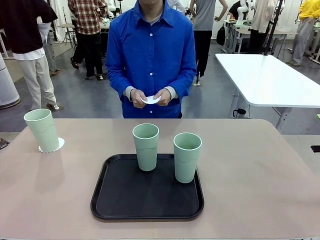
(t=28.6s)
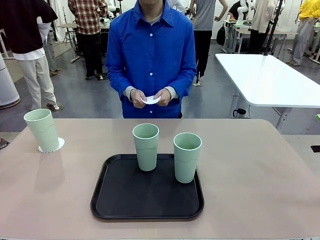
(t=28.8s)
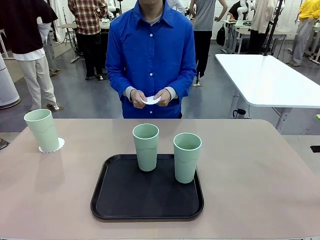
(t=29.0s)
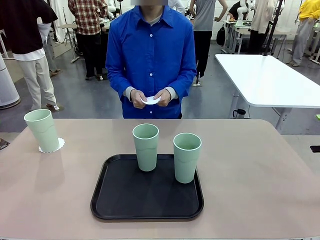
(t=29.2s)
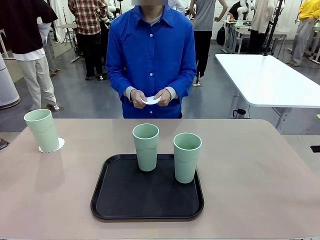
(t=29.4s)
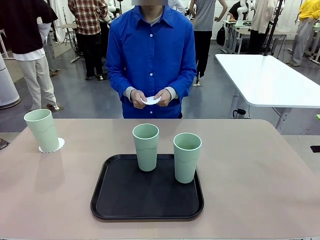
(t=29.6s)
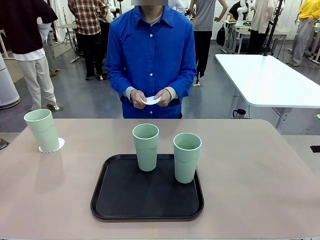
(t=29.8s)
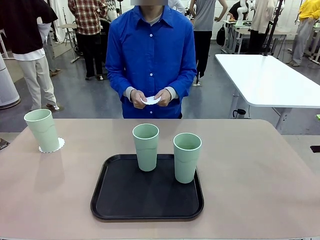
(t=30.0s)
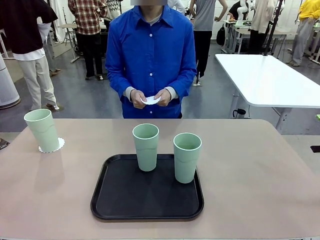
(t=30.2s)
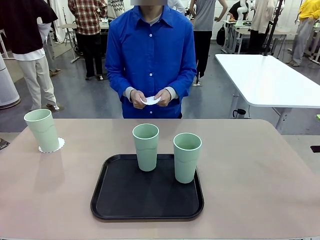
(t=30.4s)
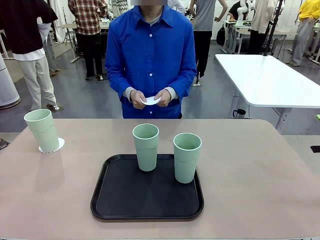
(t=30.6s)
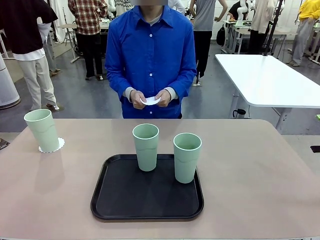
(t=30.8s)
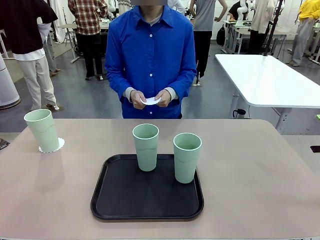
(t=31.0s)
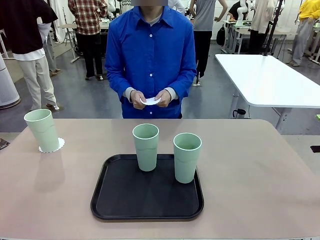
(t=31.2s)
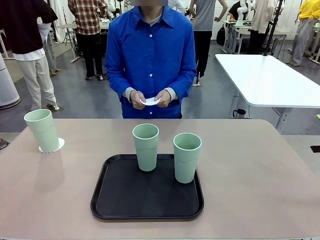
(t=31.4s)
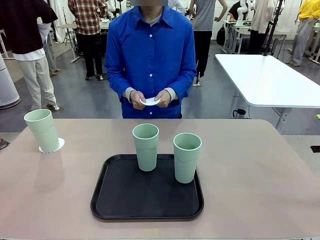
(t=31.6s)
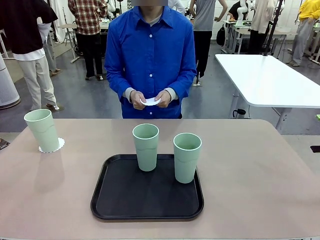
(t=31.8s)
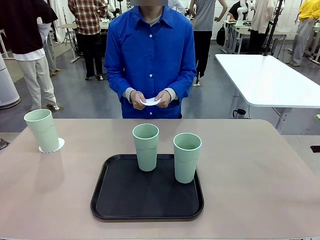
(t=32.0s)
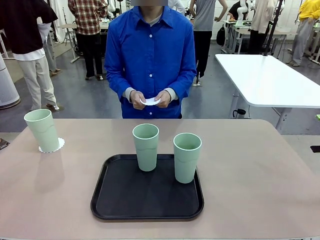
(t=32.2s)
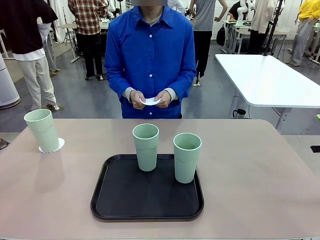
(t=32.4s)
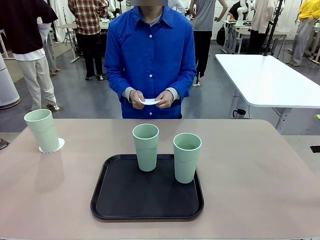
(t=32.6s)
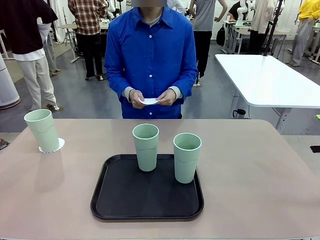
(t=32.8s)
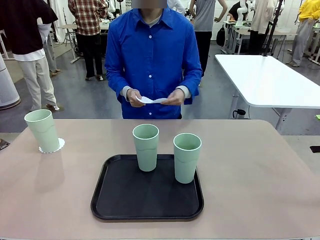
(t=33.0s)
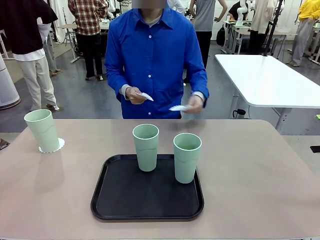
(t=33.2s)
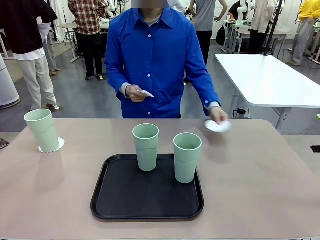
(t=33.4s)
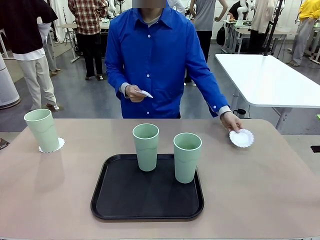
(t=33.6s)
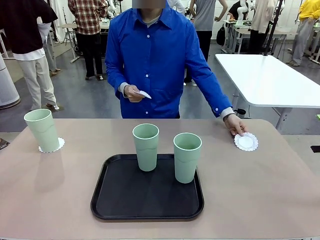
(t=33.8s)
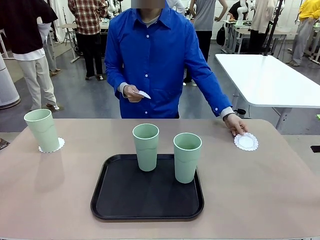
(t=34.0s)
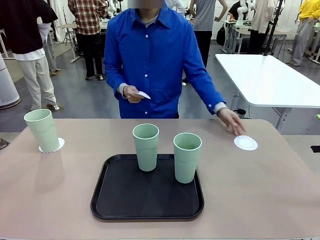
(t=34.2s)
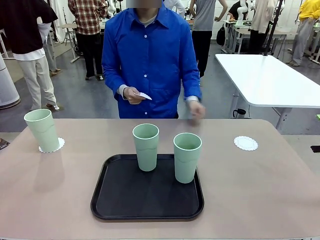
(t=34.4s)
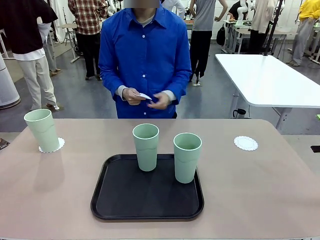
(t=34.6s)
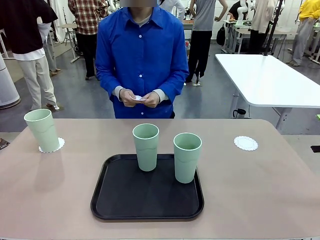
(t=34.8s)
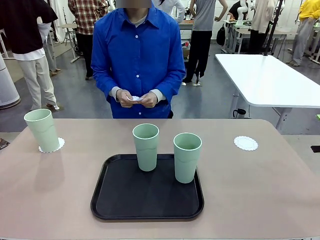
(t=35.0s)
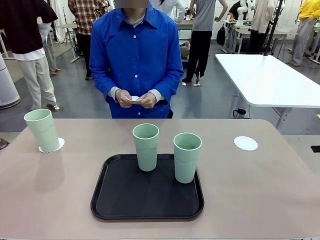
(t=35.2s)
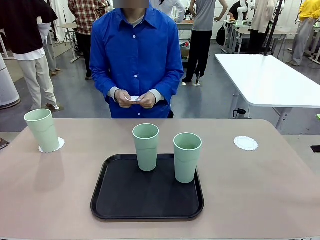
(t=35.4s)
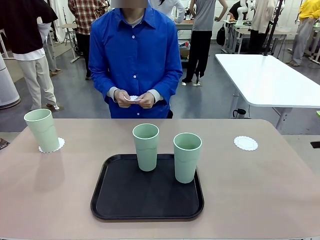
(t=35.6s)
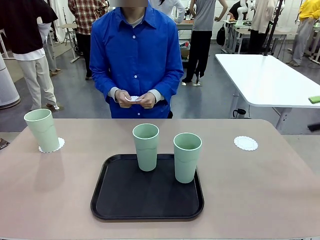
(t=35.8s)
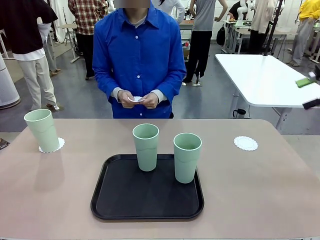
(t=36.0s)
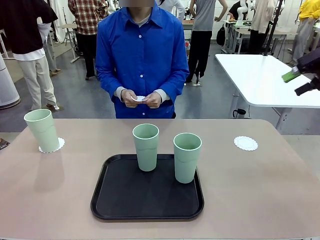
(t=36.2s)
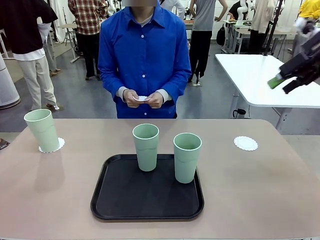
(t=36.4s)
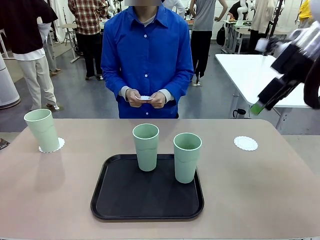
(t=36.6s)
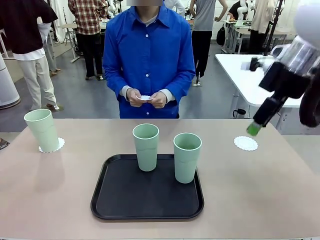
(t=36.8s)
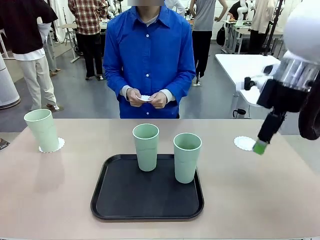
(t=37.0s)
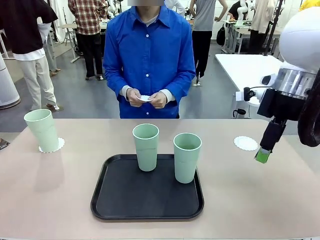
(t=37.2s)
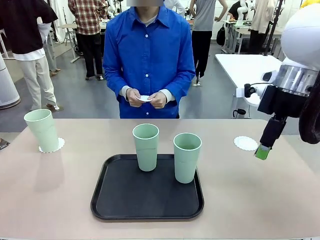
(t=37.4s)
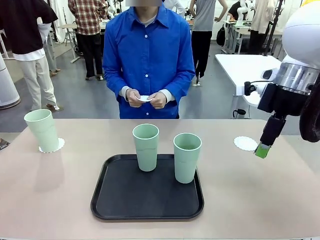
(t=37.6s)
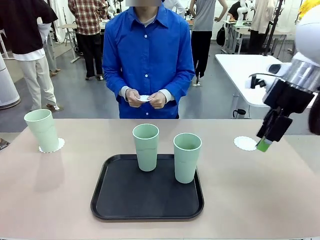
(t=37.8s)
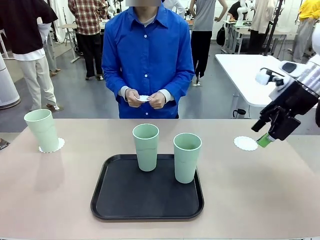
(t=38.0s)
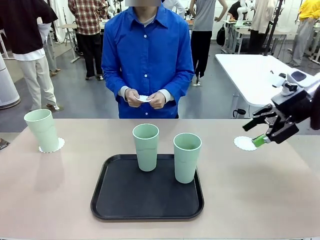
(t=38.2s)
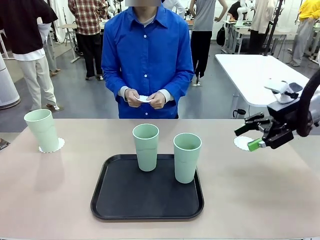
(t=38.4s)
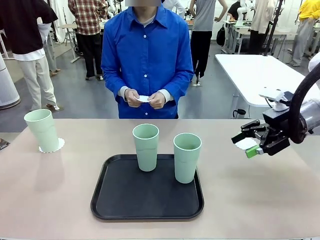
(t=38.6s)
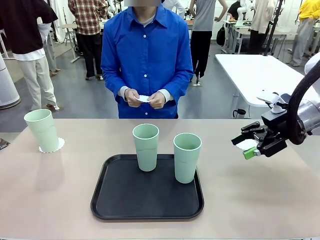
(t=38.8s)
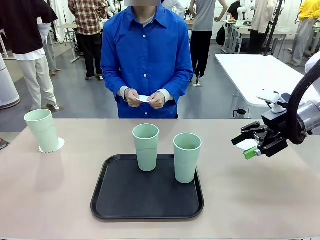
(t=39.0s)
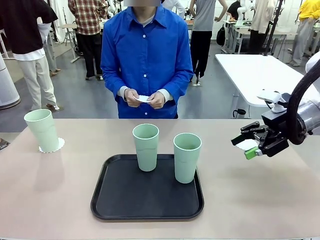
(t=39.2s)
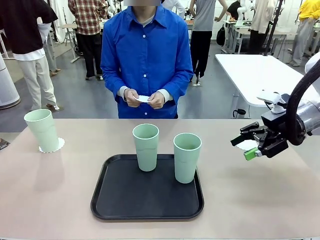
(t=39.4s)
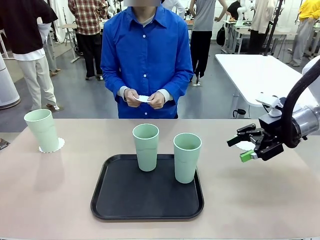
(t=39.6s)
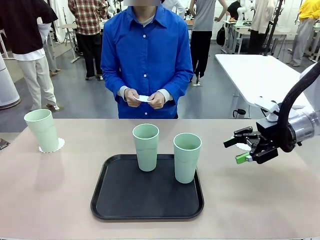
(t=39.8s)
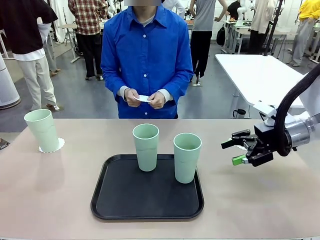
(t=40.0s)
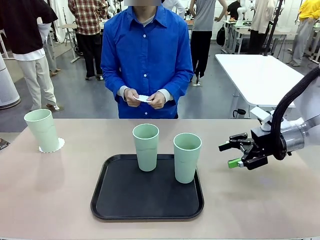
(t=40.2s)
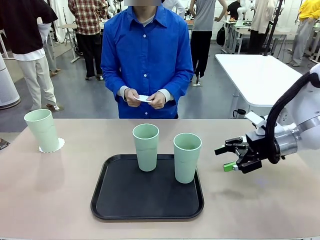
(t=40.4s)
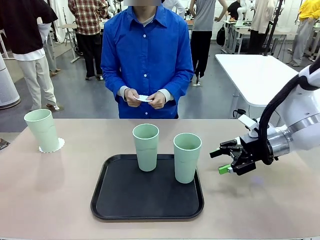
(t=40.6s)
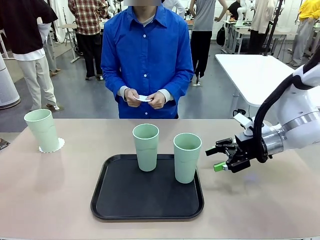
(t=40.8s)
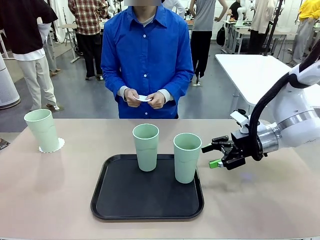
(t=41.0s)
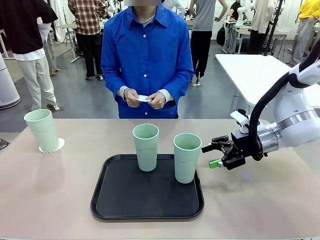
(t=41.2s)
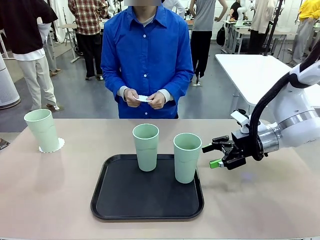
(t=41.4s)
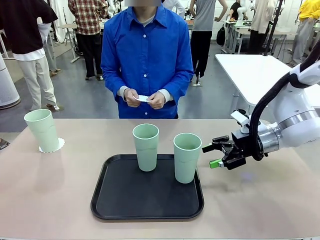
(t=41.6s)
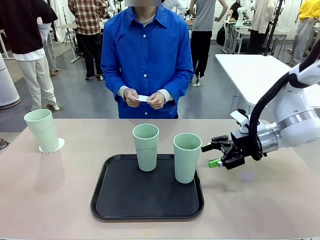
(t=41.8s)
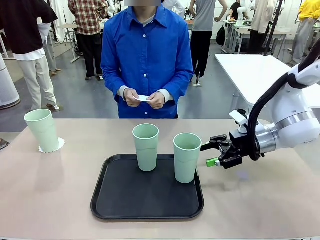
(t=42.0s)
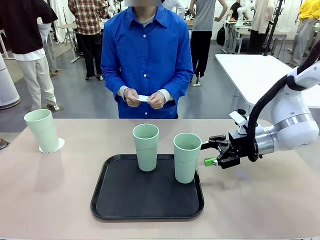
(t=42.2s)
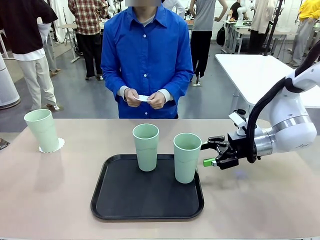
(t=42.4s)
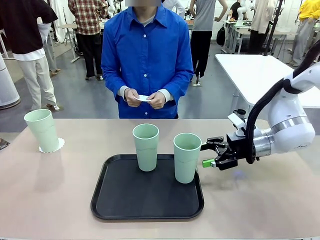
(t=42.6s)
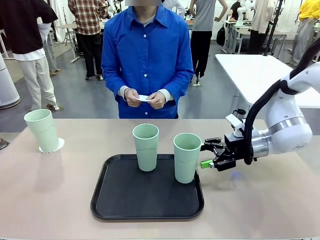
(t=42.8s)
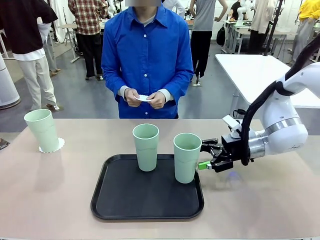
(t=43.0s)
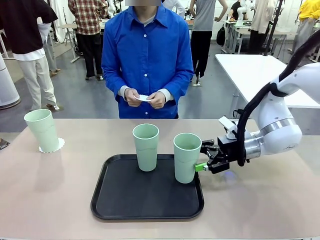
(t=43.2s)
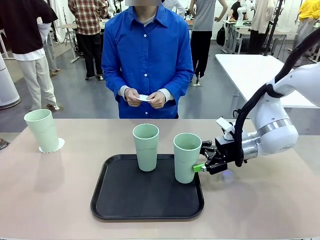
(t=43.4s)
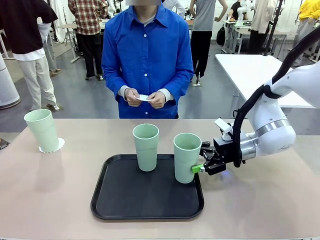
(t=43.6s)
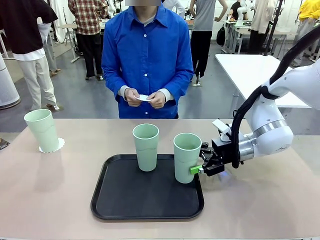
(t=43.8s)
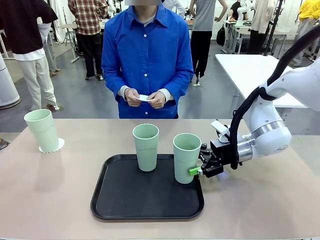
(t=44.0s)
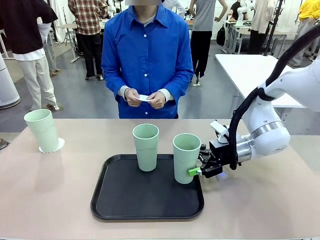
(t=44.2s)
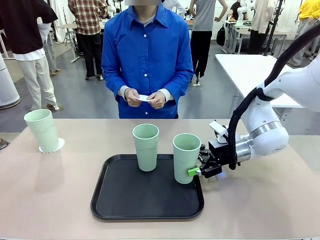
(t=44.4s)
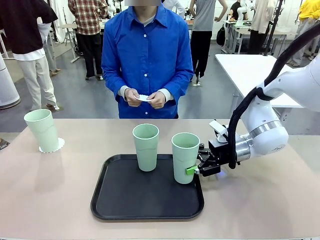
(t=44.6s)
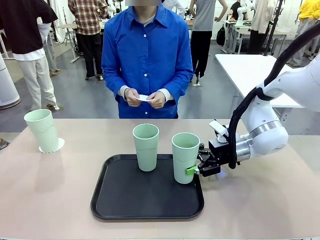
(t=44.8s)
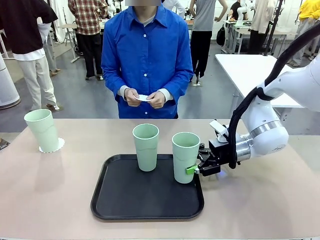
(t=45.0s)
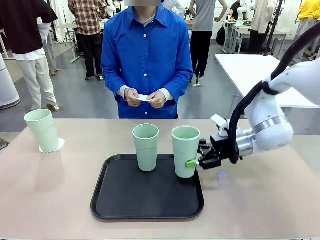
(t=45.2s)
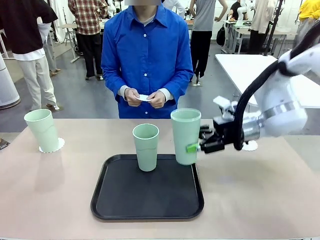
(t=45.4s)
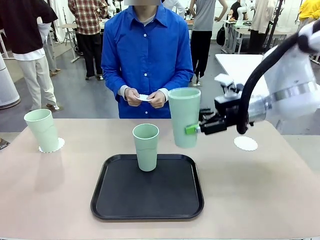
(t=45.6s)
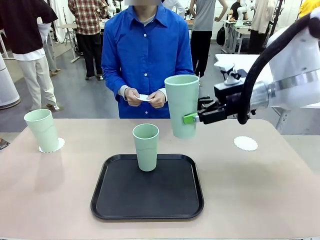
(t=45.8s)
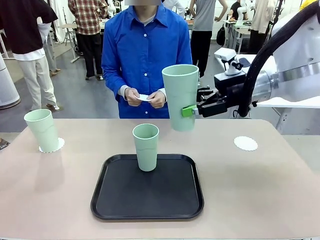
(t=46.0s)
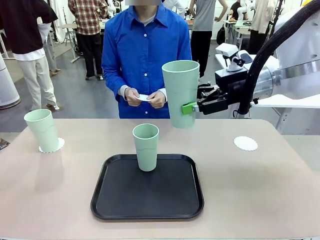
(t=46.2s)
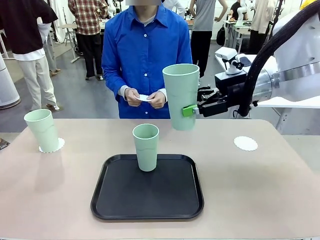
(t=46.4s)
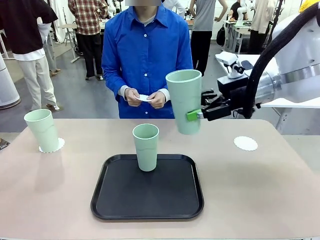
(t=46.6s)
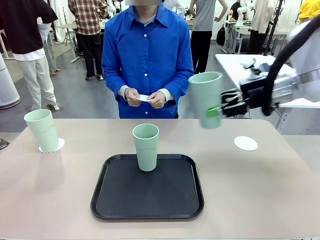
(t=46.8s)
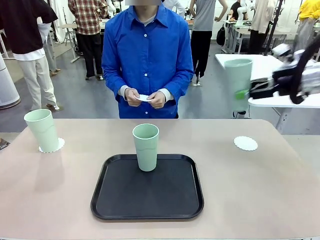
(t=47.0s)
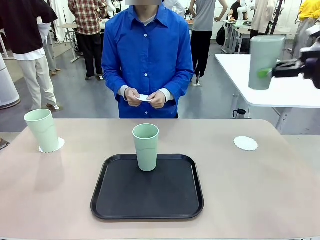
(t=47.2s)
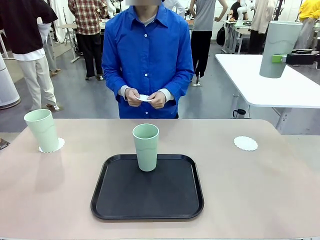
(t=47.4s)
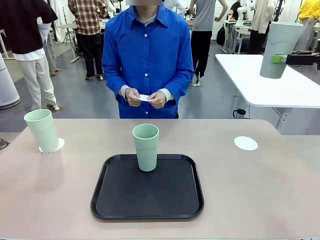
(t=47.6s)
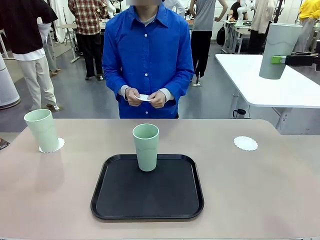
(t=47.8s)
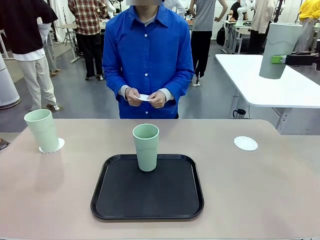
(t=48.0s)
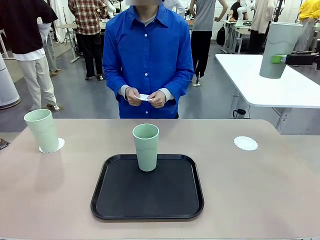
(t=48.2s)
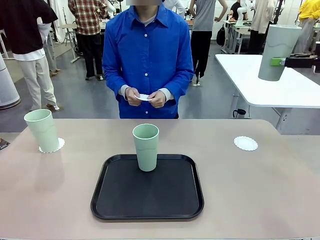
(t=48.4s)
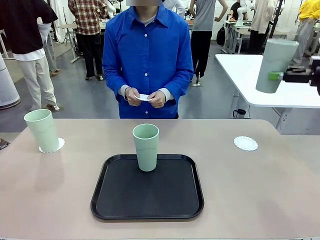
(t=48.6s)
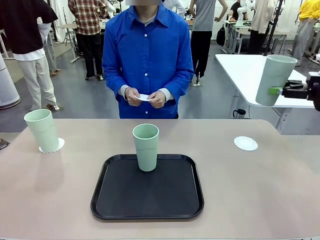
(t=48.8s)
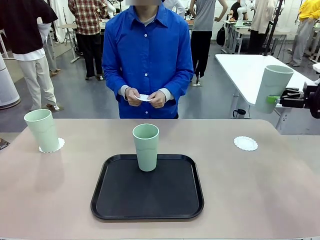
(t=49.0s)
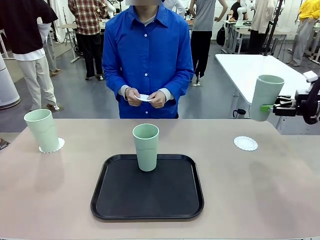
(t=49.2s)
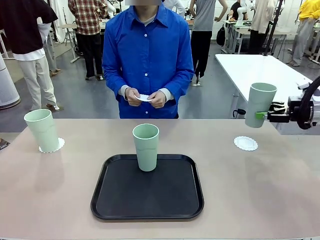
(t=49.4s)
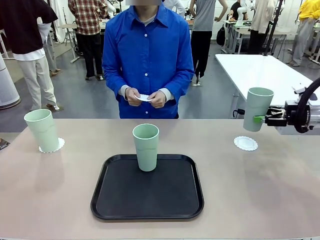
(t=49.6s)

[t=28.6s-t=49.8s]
Task: Place coasters on the table and set cups on them.
Robot: Take one Reusable plastic cup from the Flat Tray and place it on a coaster set by the human.
